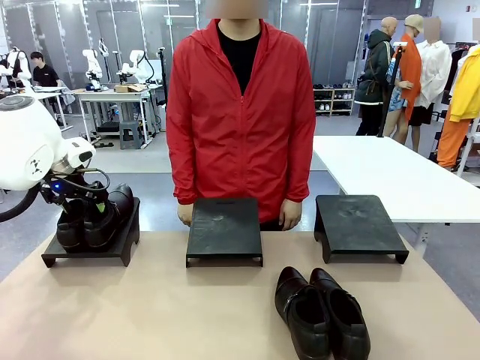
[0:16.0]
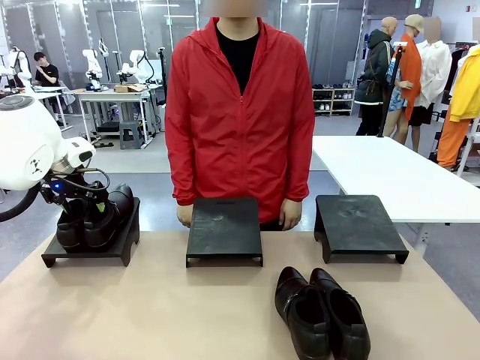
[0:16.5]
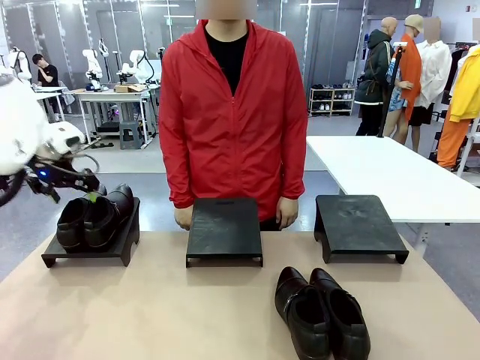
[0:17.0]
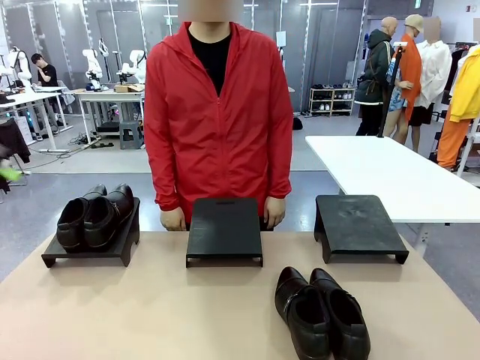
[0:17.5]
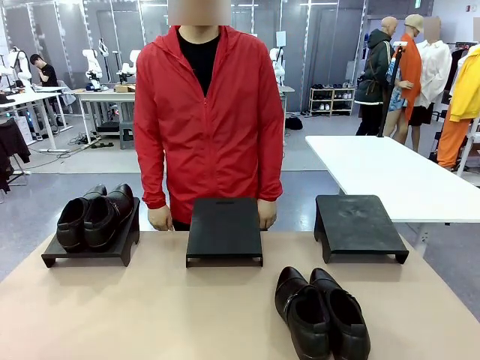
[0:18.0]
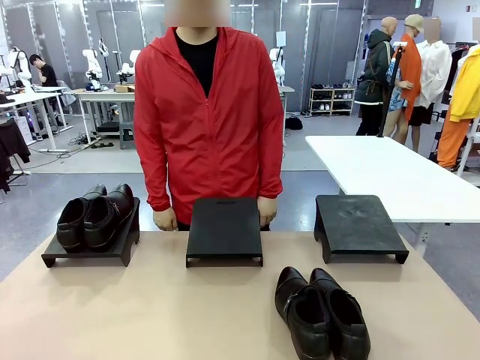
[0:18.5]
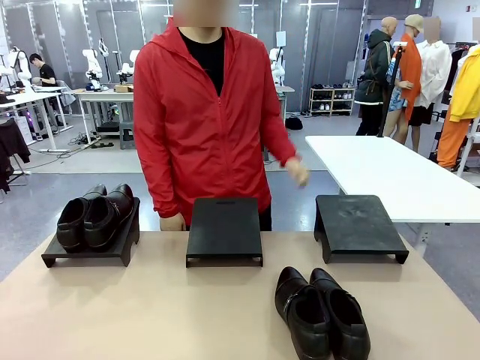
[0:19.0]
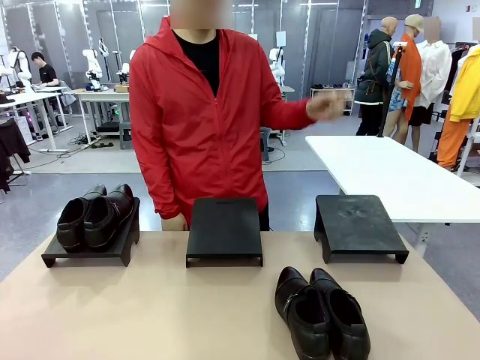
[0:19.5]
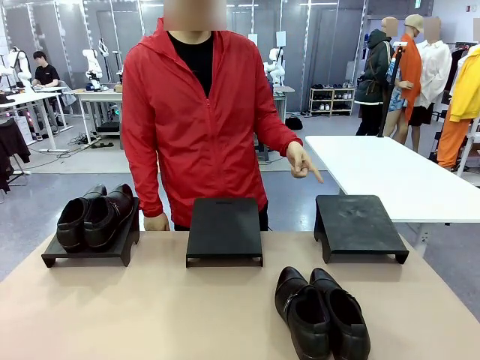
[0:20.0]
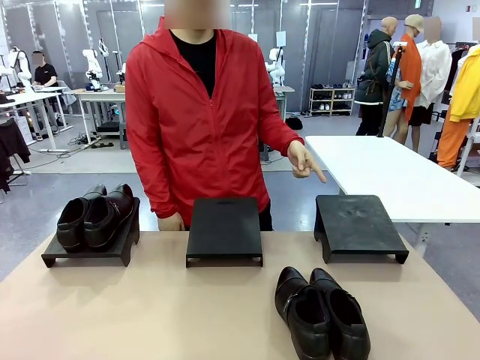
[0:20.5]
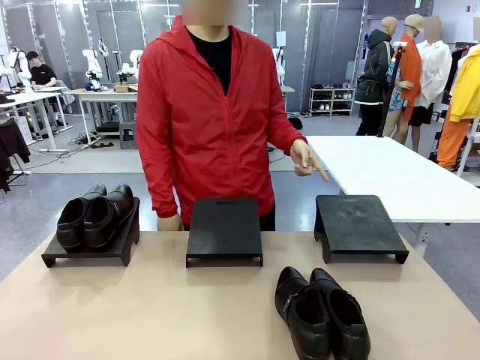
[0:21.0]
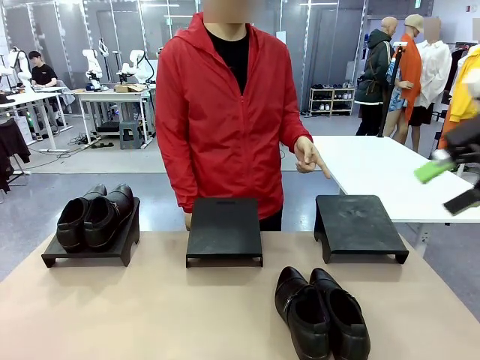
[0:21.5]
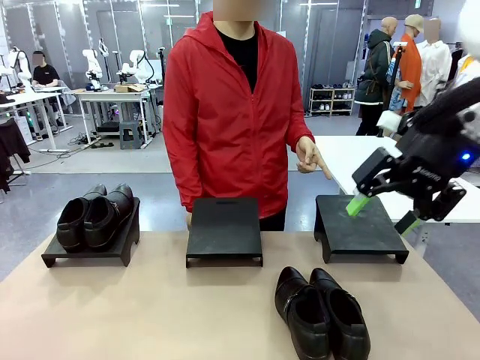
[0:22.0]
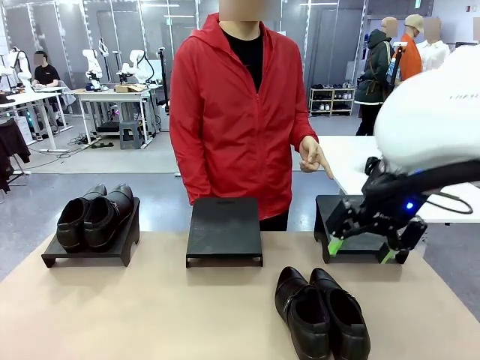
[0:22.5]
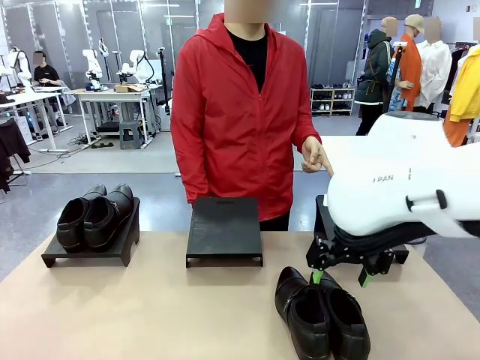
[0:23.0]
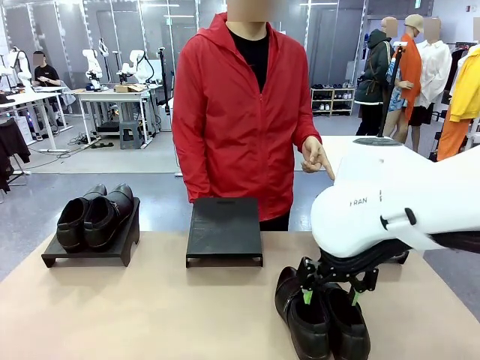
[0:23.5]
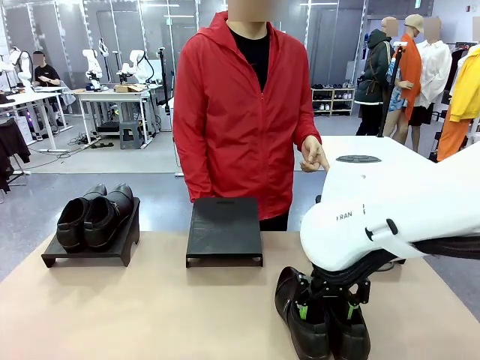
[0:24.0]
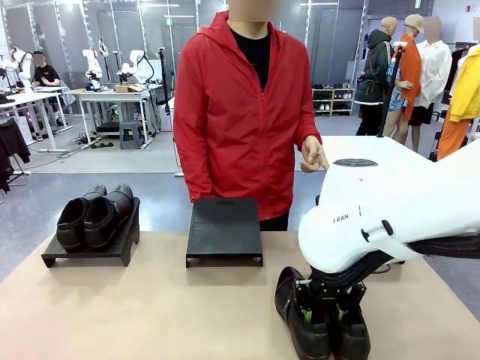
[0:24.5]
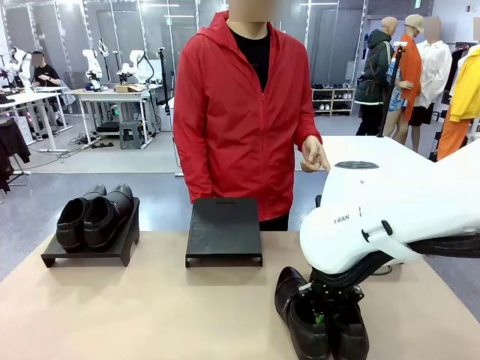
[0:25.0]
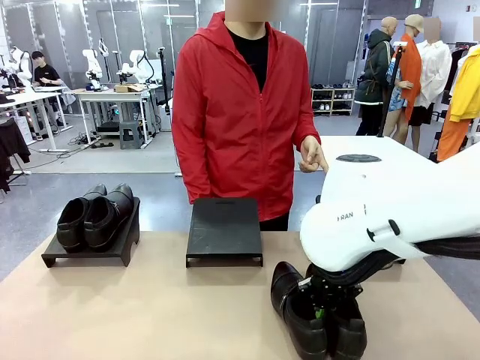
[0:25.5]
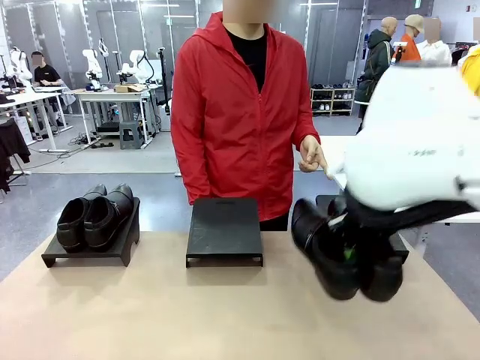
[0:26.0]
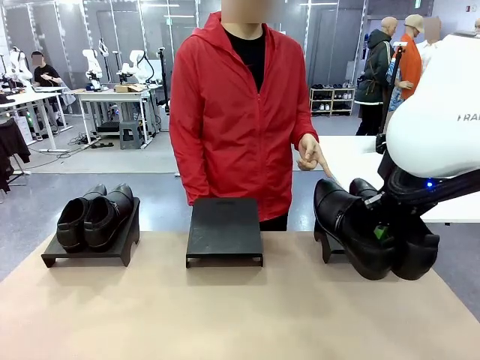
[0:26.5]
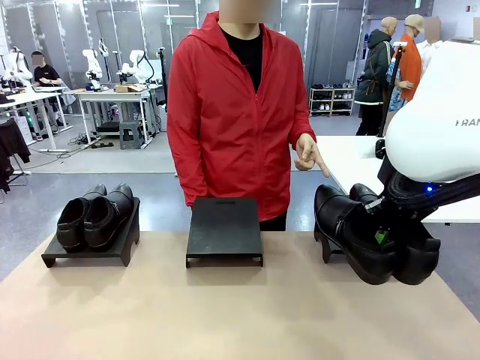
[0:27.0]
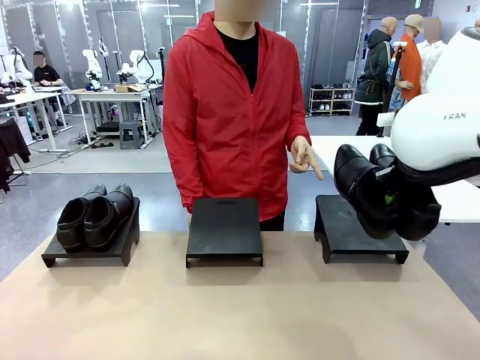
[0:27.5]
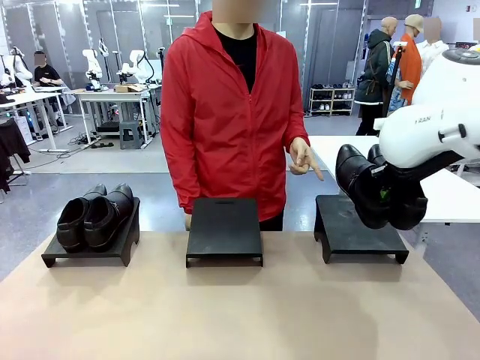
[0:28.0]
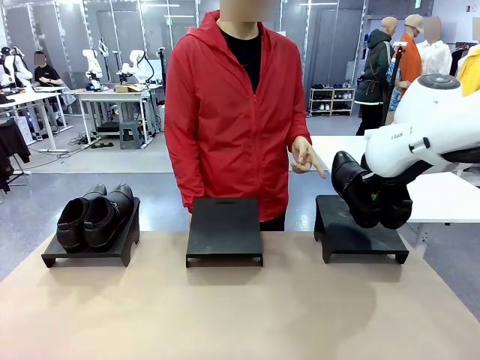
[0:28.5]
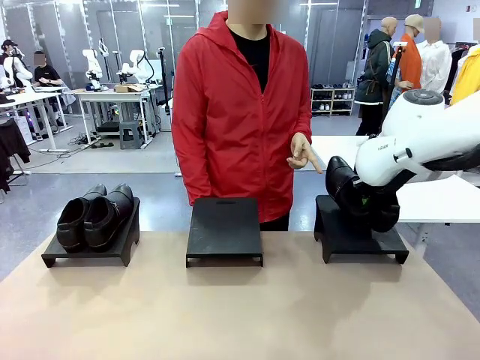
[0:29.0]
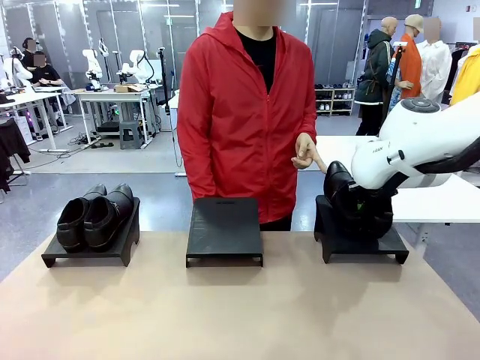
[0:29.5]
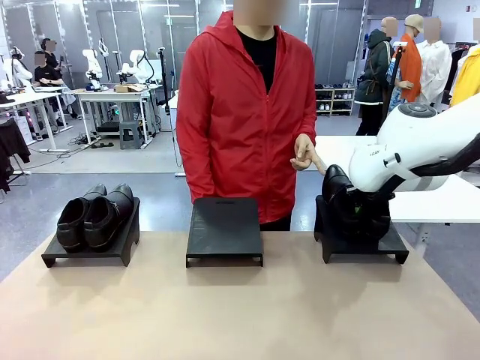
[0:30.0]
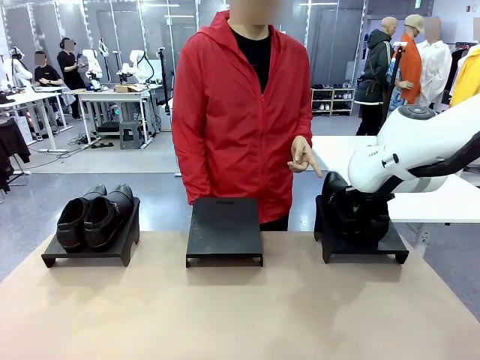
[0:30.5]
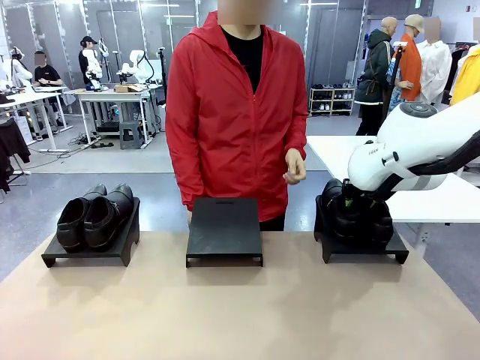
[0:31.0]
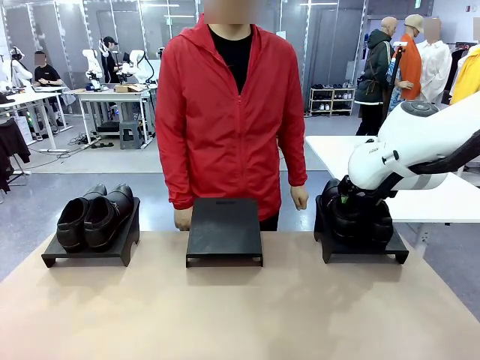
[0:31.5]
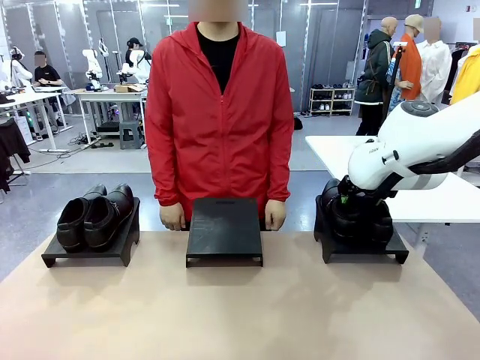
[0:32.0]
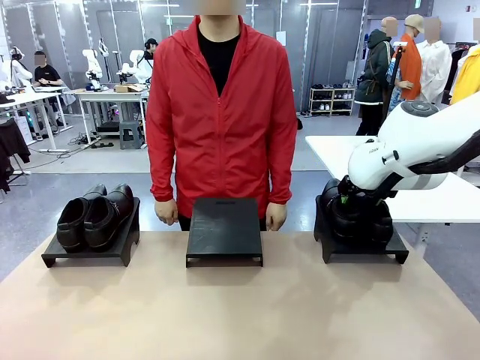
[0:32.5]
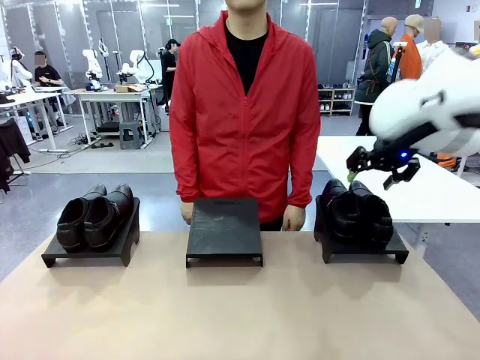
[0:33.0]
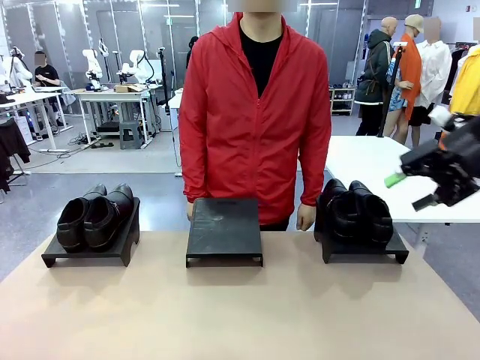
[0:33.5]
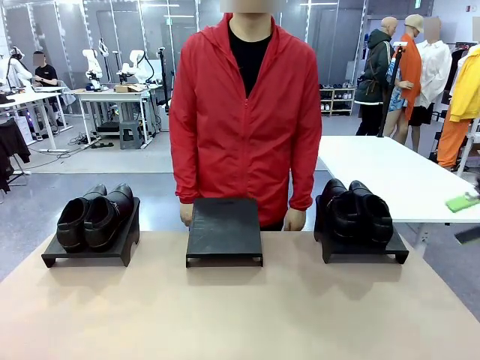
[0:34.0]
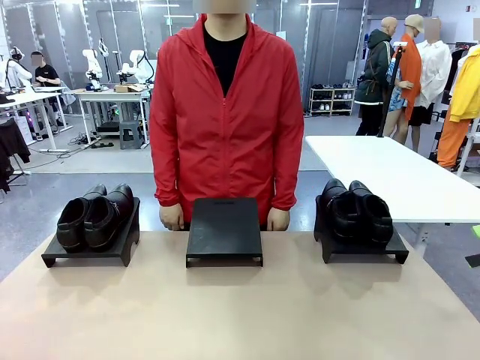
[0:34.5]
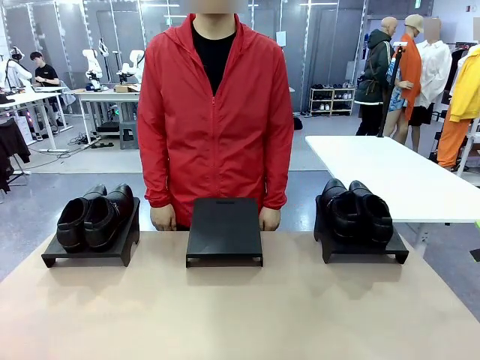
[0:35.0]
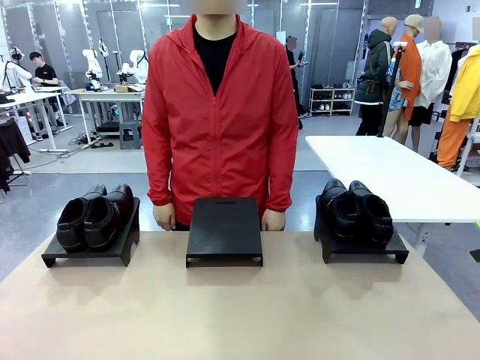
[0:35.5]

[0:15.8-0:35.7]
Task: Place the shoes on the stand as instructed by the person.
Robot: Pick up another pair of Shoes and place it on the Shoes Stand indicated by the person.
Person: Point to one Shoes Stand.
